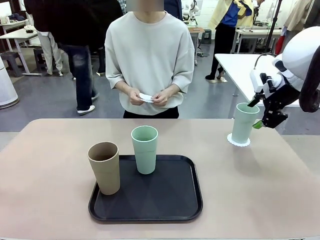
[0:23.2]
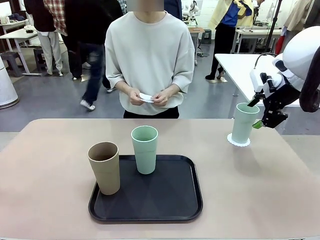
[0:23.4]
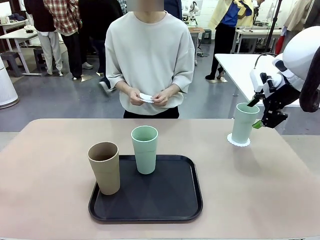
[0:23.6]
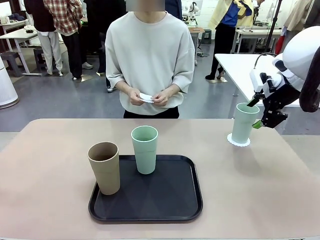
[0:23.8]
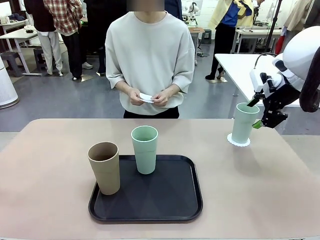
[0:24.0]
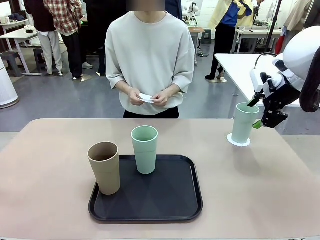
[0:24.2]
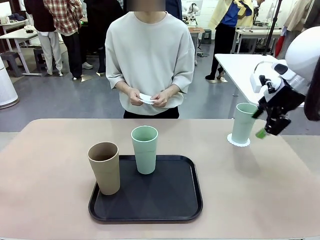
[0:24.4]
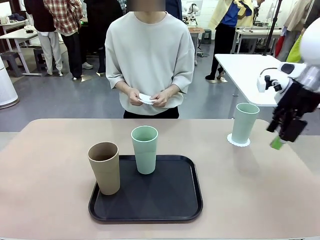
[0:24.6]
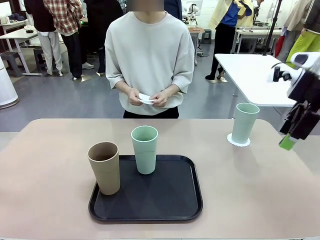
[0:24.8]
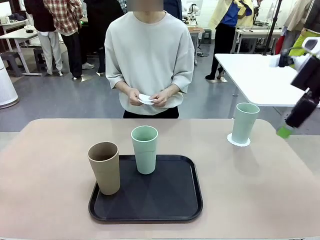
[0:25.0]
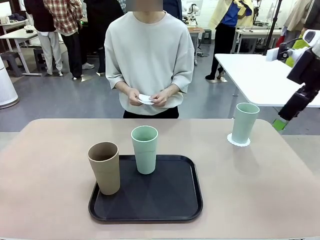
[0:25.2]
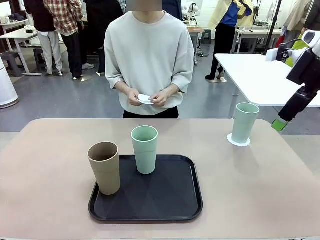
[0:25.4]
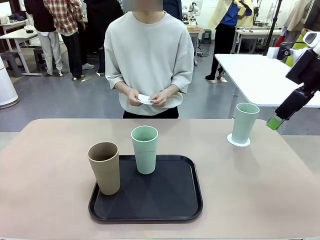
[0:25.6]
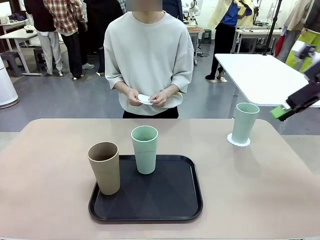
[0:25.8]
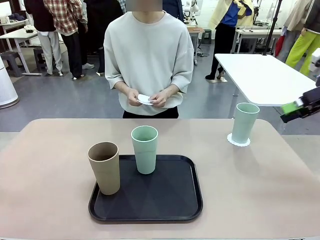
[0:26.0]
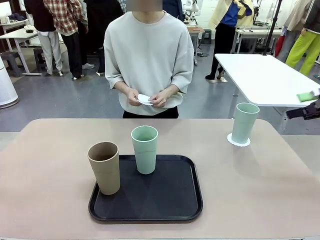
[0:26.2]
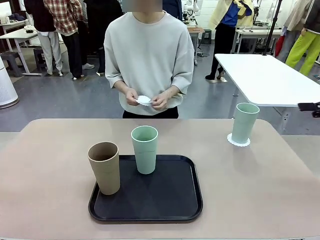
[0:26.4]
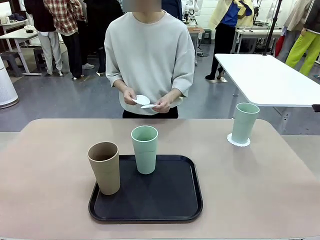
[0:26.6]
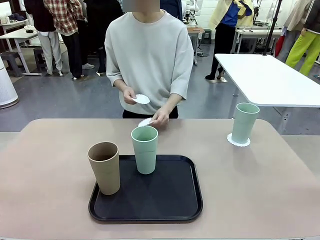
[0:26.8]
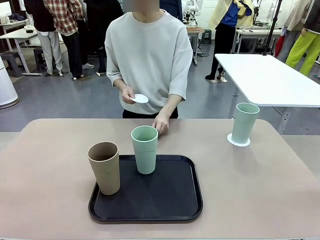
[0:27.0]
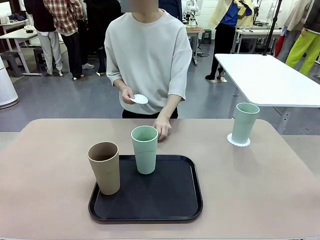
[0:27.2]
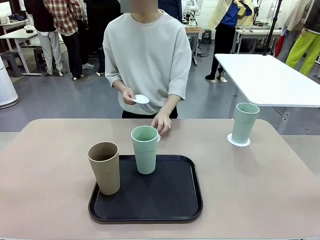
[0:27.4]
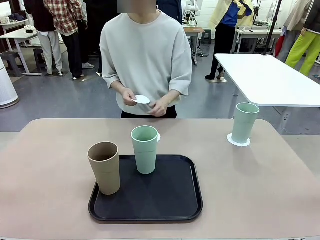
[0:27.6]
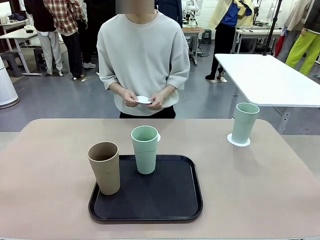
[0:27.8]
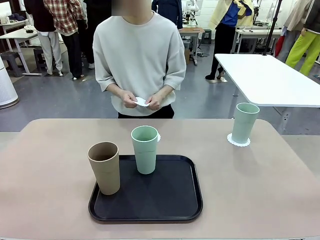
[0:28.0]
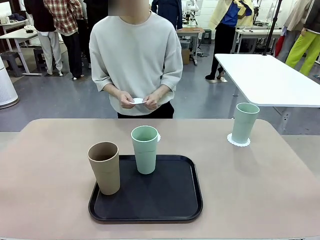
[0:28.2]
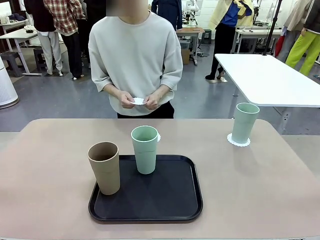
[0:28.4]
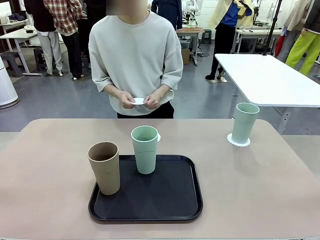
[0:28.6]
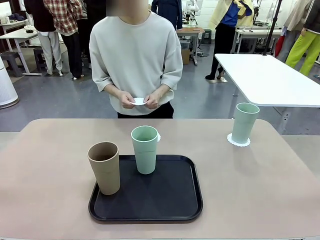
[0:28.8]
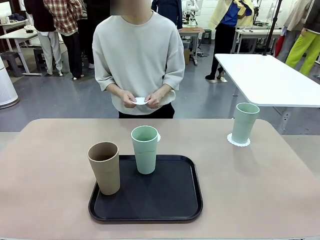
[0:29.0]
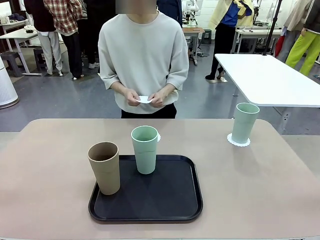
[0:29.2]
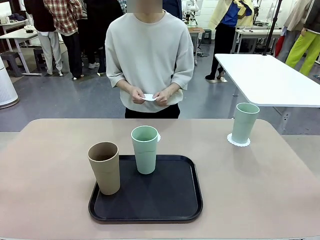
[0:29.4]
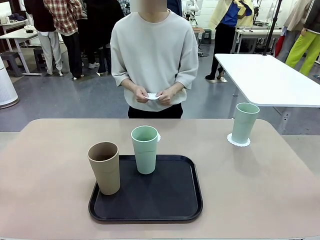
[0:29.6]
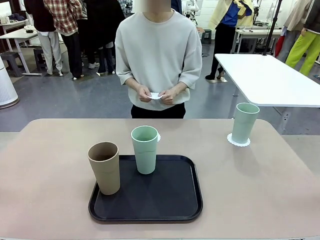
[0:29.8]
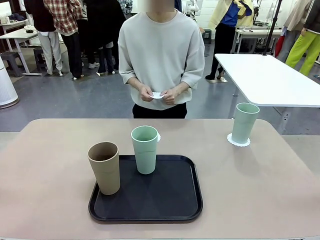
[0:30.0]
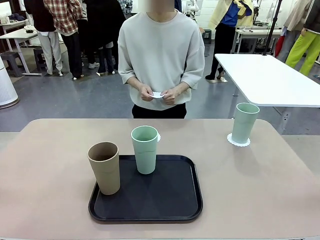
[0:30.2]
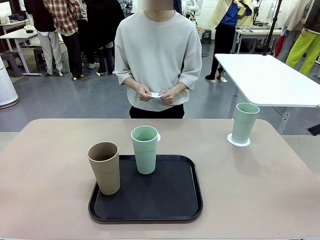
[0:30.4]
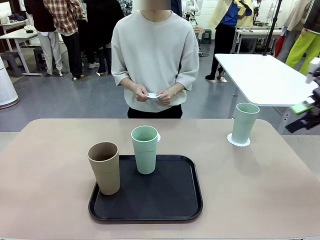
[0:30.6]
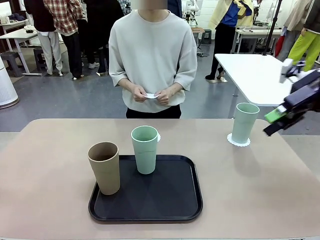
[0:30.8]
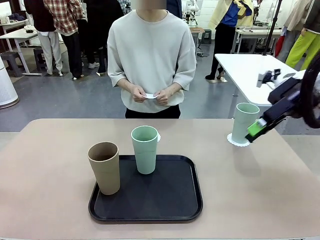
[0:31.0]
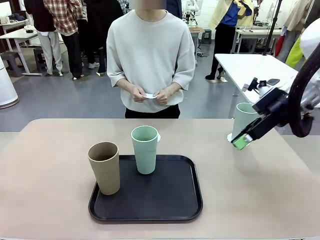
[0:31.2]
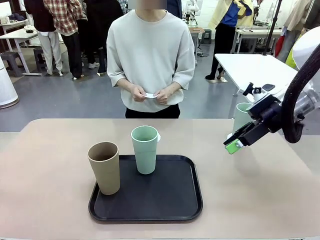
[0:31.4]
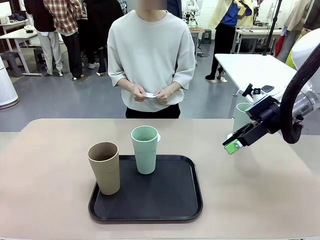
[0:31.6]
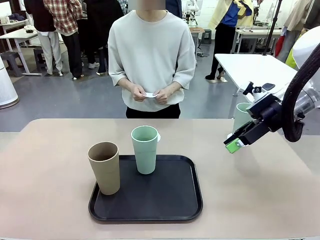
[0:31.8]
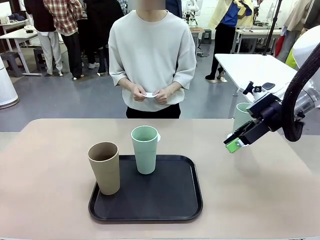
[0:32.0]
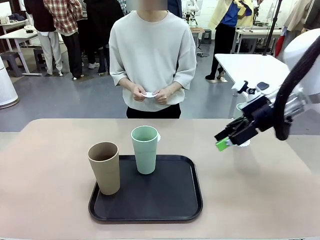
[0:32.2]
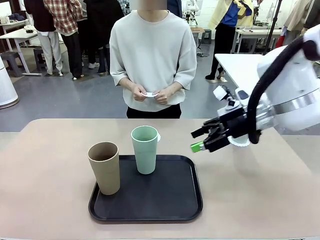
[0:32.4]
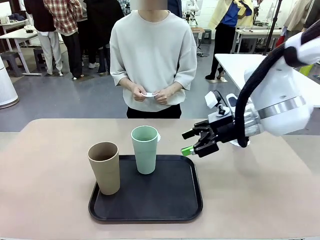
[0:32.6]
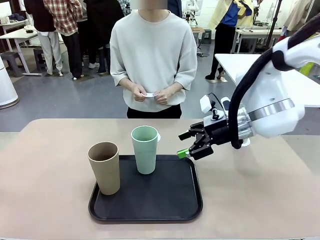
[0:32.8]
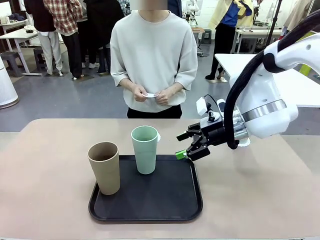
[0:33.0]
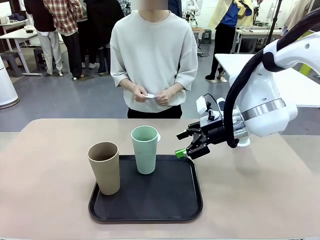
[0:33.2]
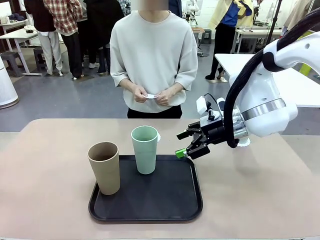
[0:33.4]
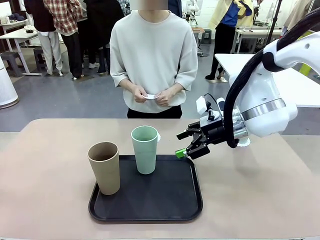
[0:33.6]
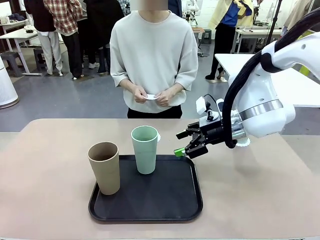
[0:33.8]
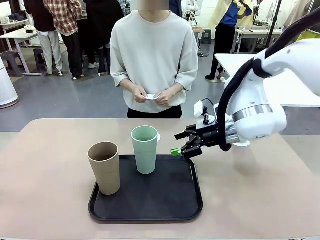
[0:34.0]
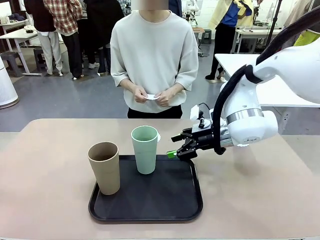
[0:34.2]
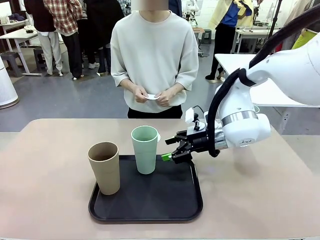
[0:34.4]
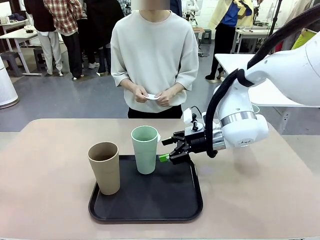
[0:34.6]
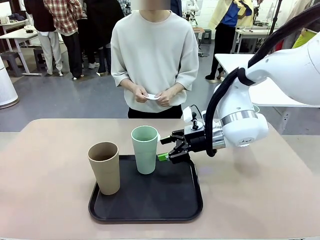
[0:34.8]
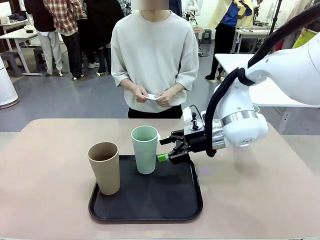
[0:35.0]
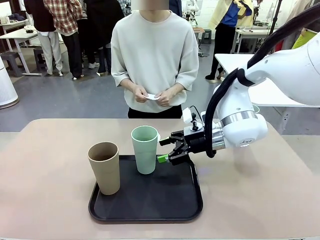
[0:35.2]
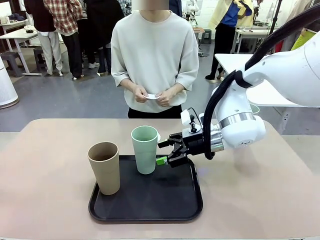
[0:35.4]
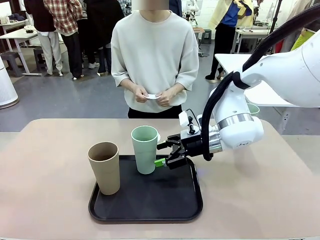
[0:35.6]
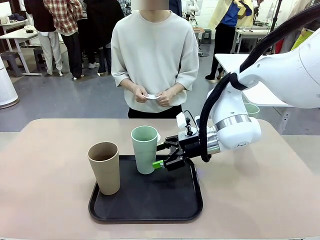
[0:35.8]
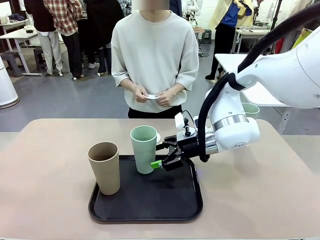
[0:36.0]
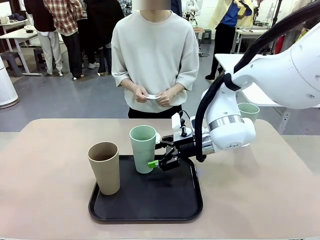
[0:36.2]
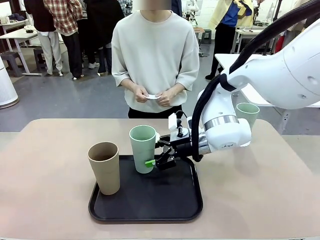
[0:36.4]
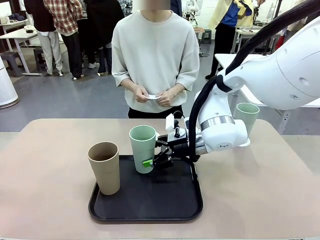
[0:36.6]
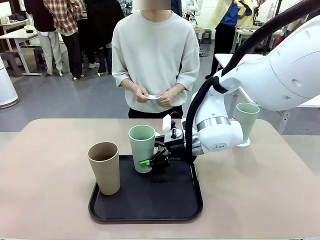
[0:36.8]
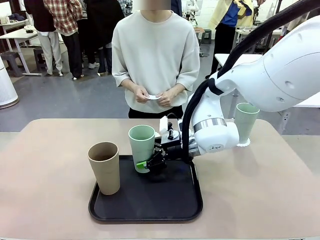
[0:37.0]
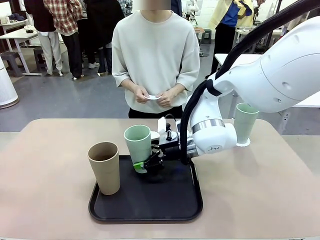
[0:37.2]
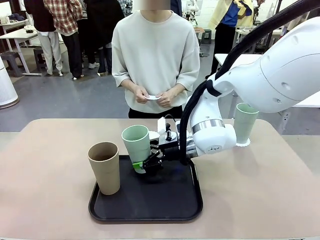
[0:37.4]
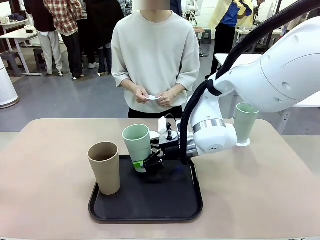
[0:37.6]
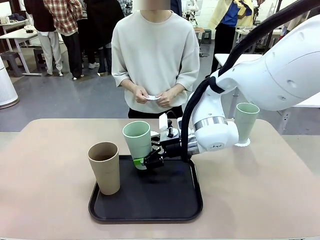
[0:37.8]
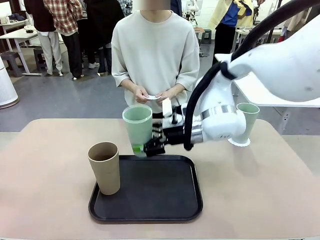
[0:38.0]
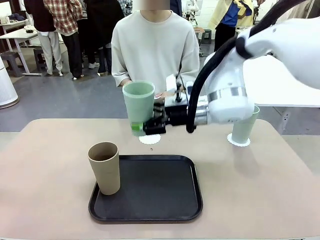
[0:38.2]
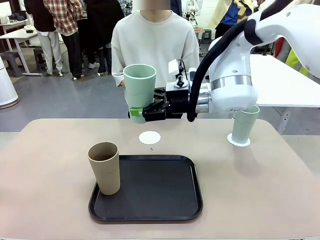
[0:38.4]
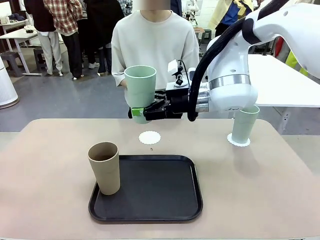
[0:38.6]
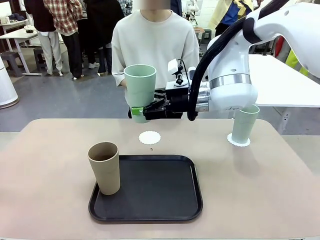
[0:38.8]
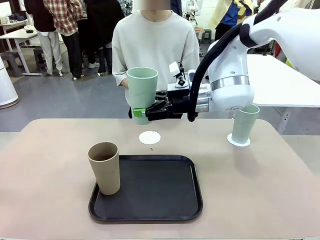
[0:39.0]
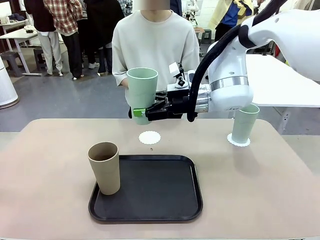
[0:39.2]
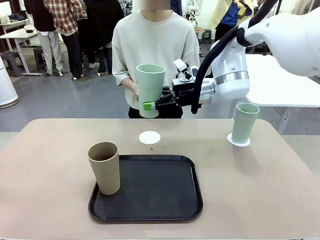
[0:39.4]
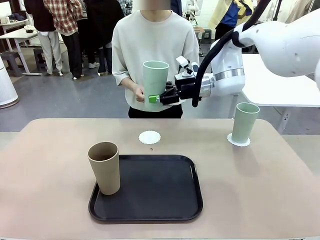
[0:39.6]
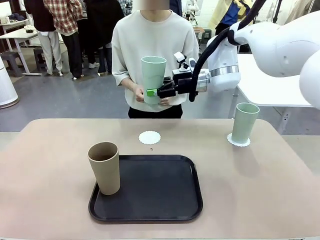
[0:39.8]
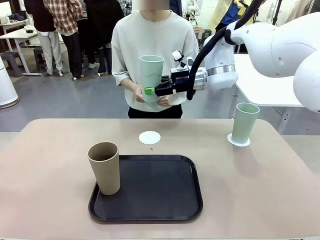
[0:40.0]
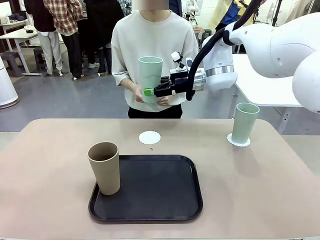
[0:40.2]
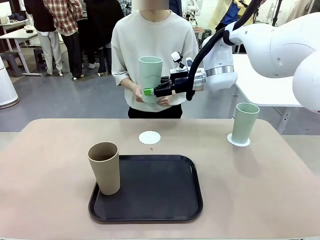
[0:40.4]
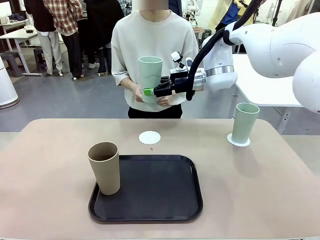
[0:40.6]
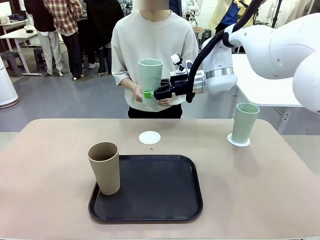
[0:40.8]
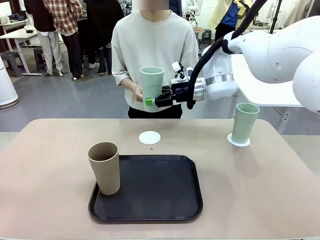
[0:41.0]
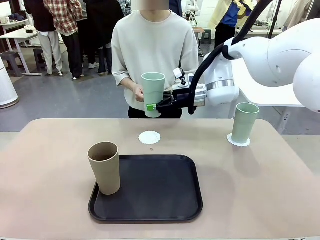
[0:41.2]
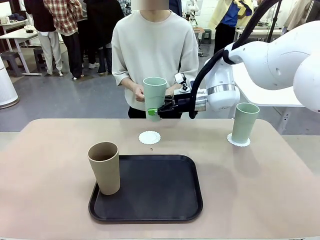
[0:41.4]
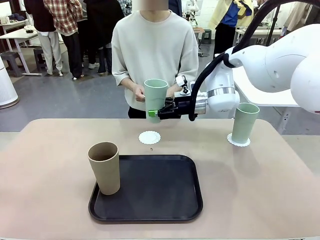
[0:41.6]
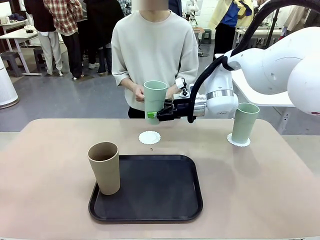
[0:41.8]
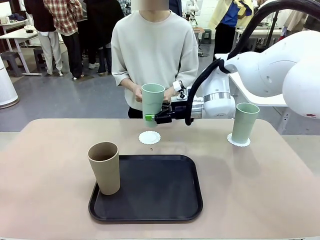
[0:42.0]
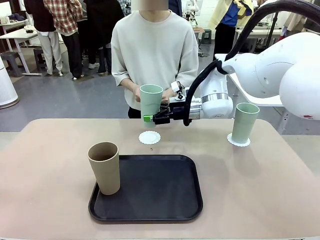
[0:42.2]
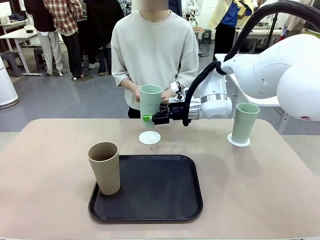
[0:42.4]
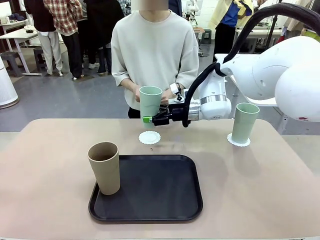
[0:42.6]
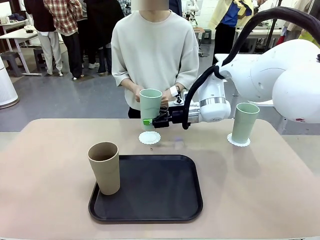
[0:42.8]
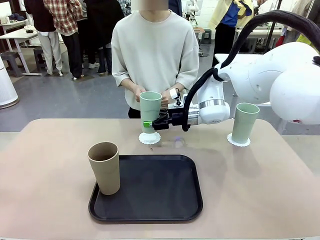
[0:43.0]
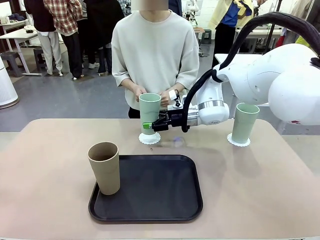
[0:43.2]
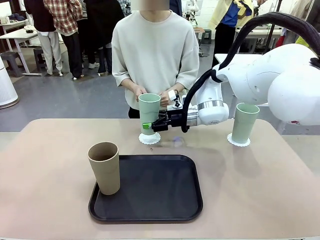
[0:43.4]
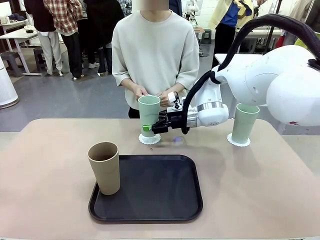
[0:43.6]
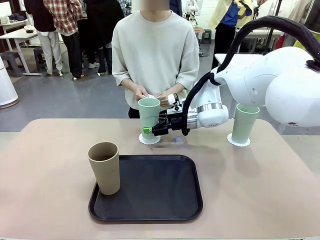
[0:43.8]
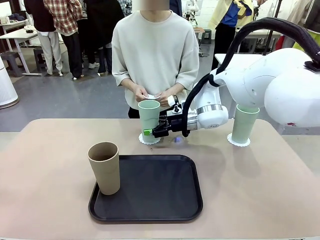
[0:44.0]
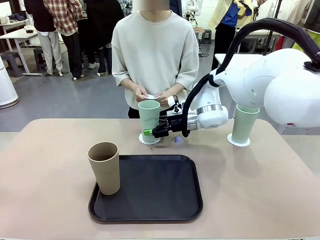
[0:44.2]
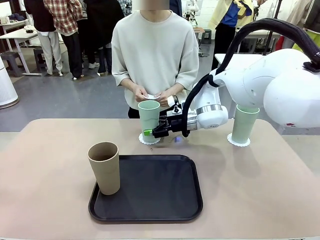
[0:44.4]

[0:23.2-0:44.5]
Task: Place coasters on the table and set cups on them.
Robot: Take one Reusable plastic cup from the Flat Tray and place it on a coaster set by the human.
